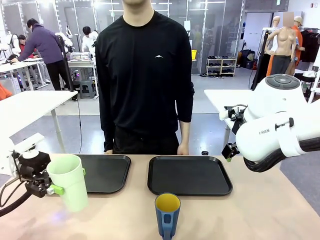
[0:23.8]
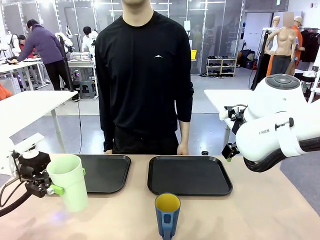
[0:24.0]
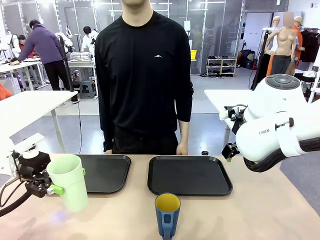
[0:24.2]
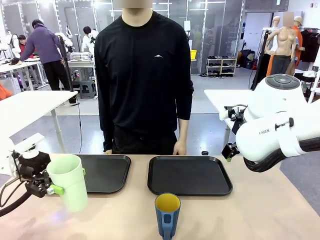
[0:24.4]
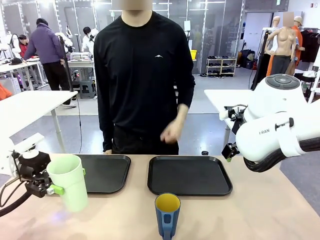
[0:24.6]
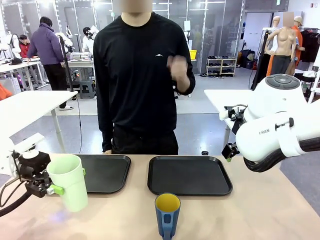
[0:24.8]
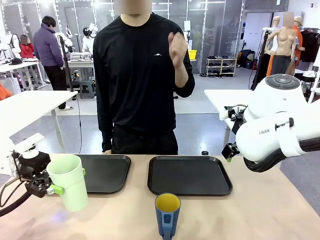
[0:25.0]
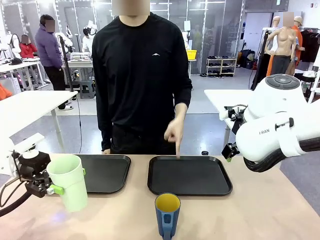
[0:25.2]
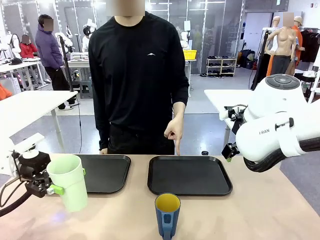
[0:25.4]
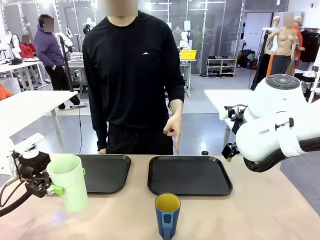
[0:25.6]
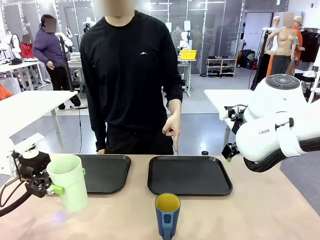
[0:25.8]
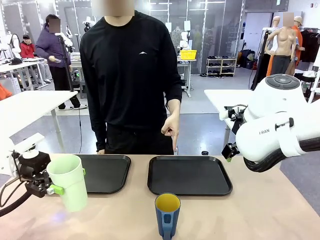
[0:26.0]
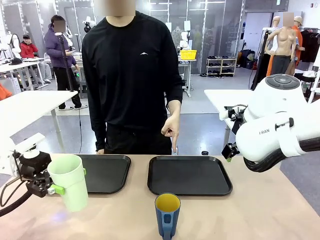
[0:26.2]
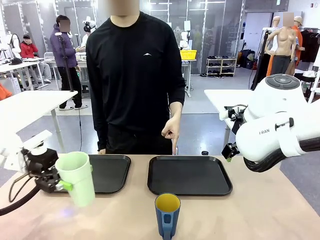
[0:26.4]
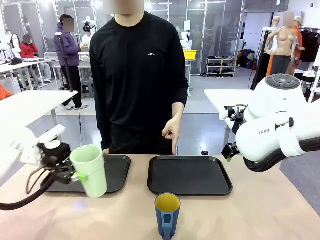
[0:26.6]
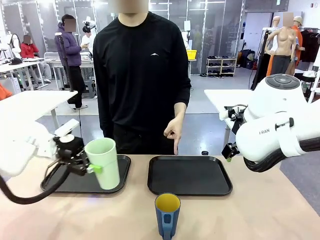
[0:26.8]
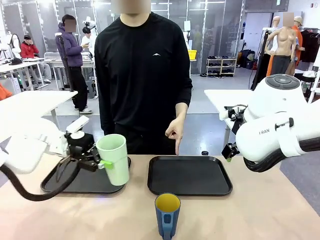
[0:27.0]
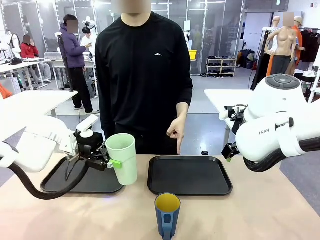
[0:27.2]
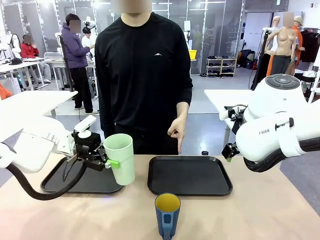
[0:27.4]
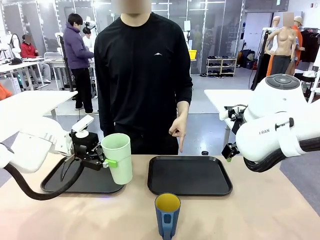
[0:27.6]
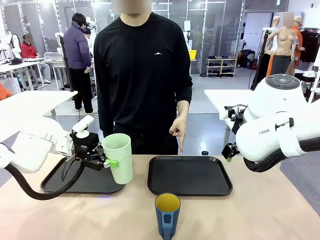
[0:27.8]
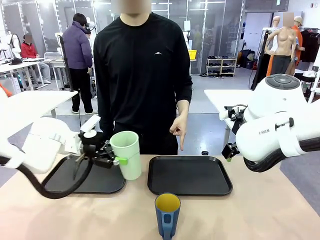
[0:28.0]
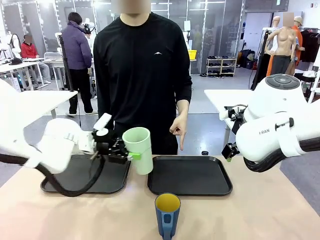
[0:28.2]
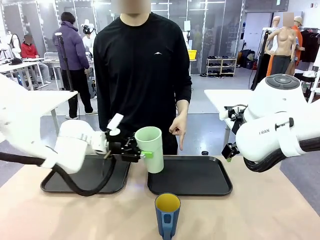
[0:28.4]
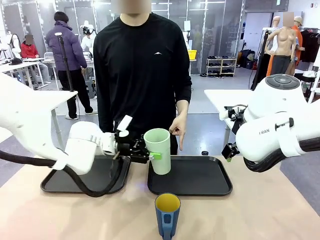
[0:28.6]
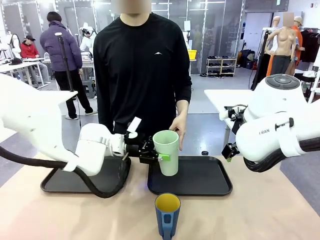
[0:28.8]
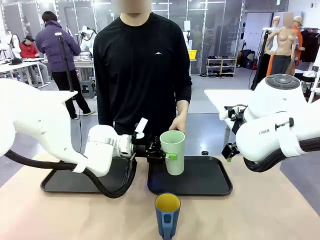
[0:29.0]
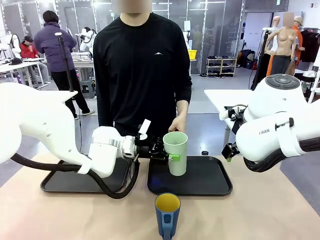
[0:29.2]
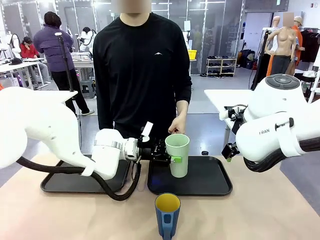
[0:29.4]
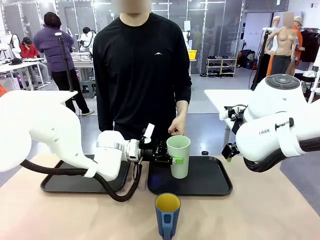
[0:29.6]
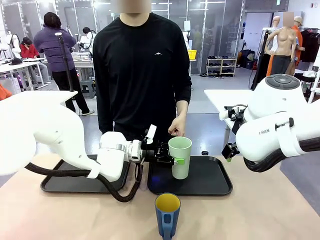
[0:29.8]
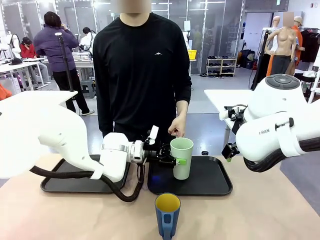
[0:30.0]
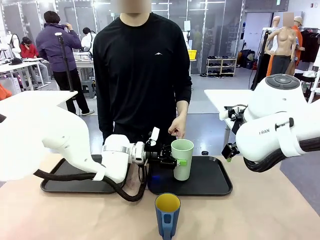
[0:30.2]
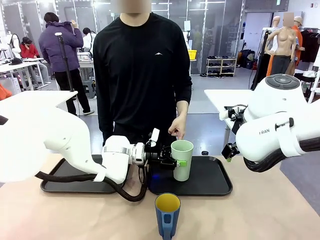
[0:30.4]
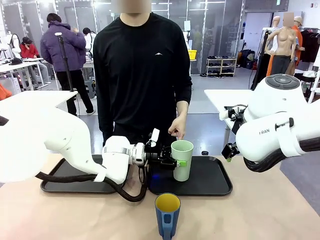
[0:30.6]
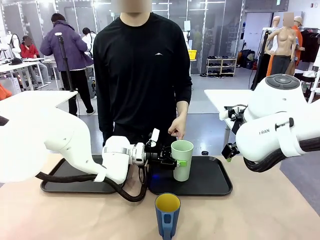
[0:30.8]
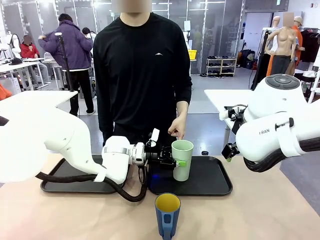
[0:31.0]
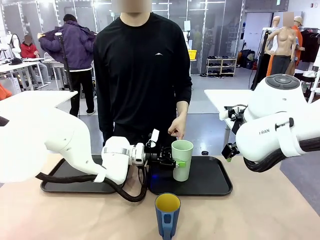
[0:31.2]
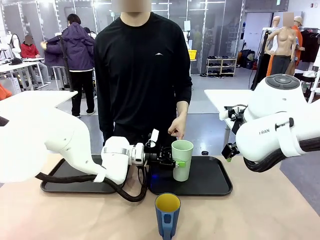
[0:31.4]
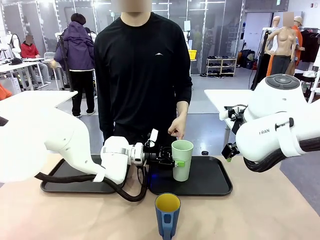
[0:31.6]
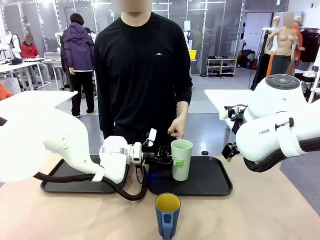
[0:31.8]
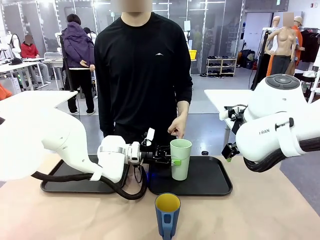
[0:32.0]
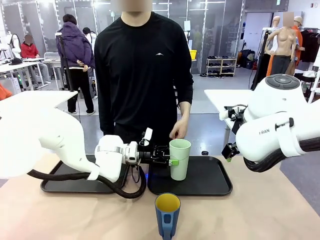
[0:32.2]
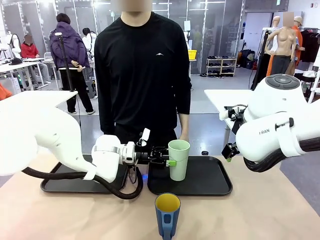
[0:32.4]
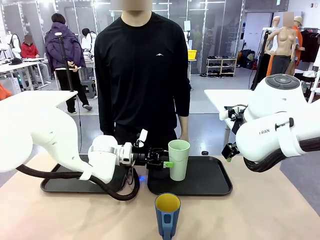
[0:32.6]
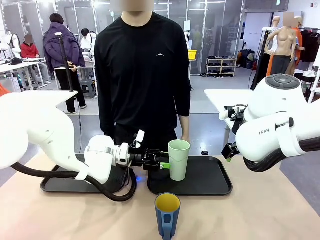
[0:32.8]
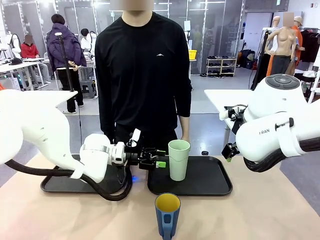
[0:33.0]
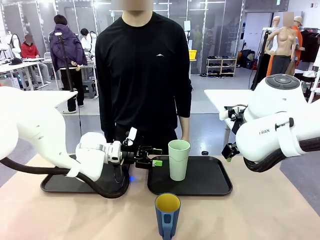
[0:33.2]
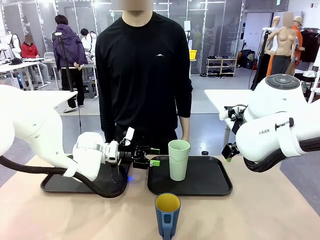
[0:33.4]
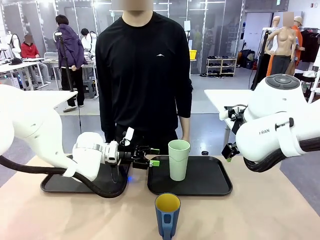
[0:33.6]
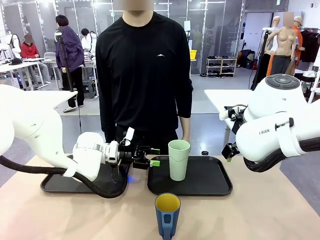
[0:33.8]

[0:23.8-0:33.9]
Task: Sort and store the cups by type.
Robot: Place the picked Reusable plastic cup into the Flat Tray indicated by the person.

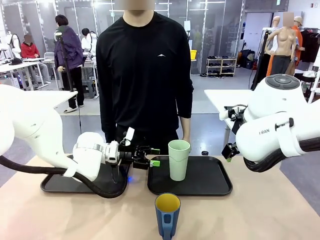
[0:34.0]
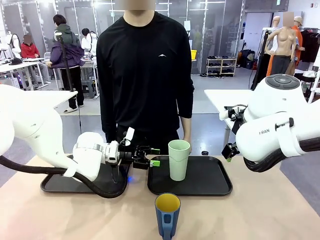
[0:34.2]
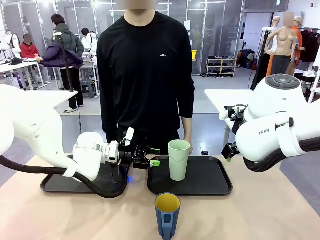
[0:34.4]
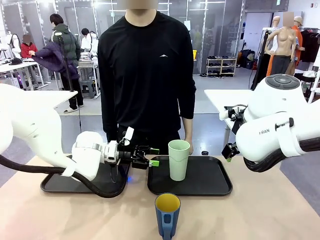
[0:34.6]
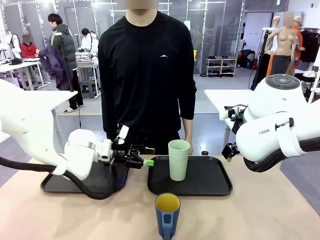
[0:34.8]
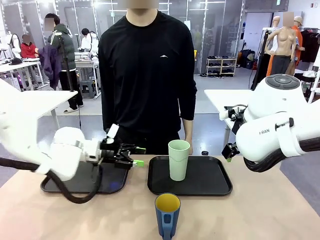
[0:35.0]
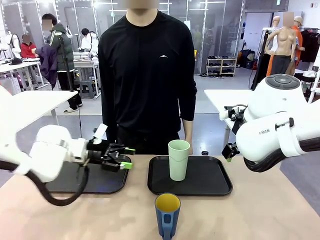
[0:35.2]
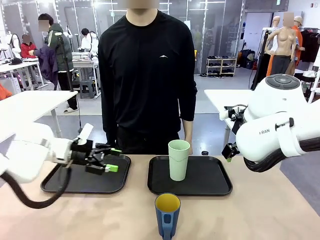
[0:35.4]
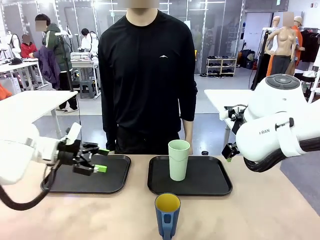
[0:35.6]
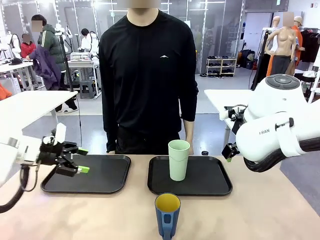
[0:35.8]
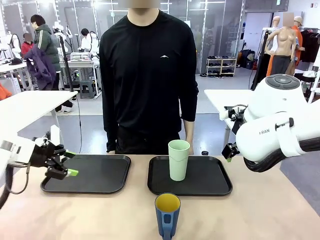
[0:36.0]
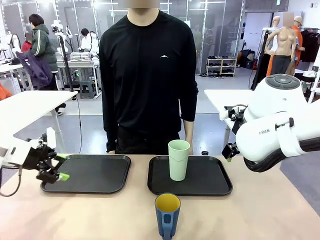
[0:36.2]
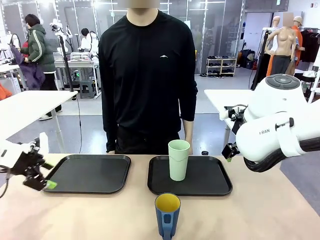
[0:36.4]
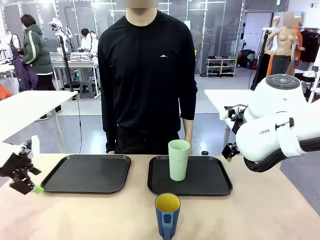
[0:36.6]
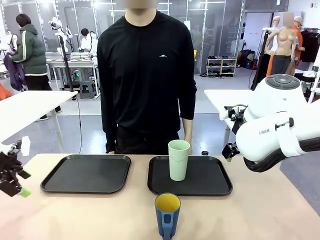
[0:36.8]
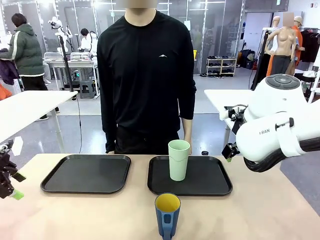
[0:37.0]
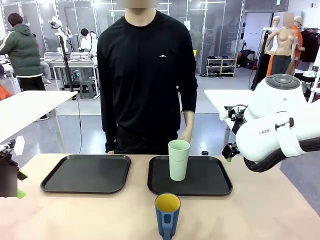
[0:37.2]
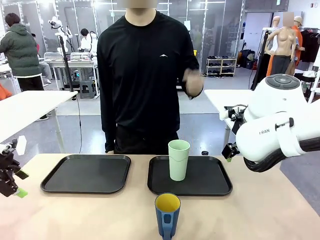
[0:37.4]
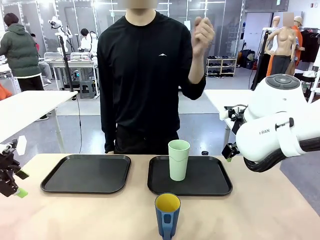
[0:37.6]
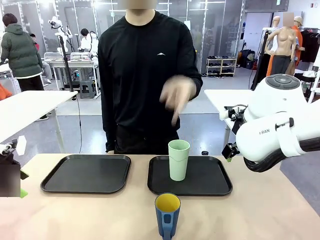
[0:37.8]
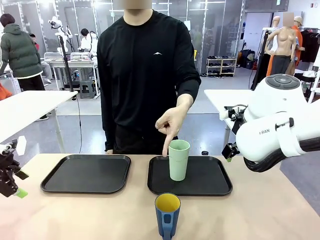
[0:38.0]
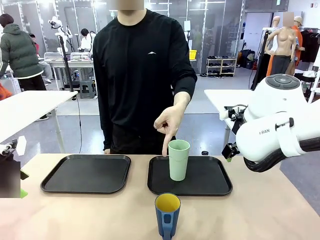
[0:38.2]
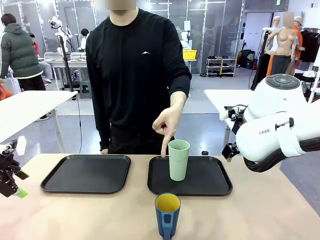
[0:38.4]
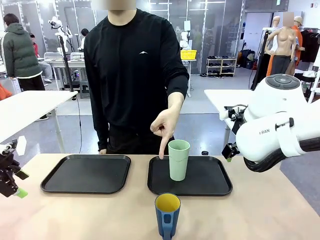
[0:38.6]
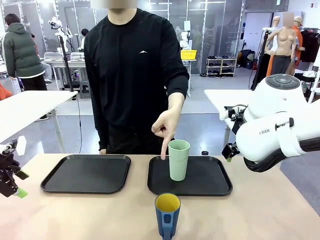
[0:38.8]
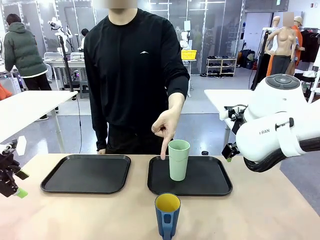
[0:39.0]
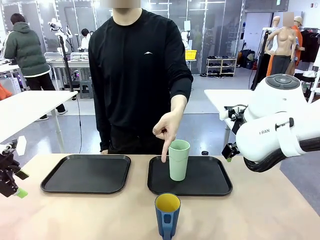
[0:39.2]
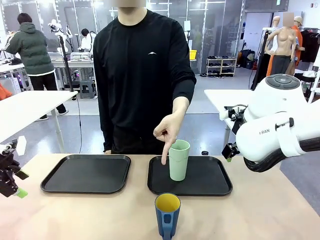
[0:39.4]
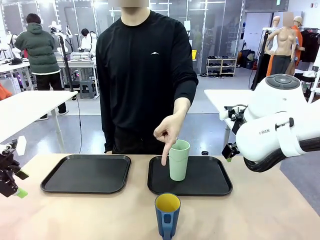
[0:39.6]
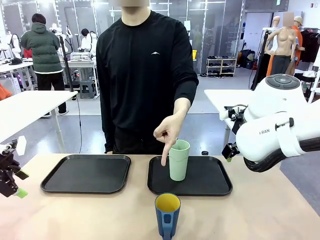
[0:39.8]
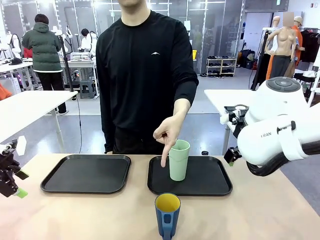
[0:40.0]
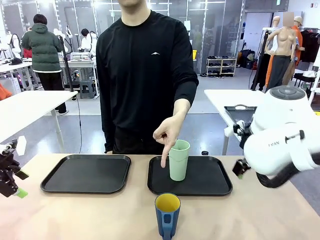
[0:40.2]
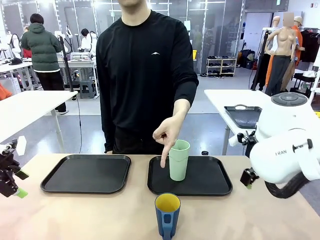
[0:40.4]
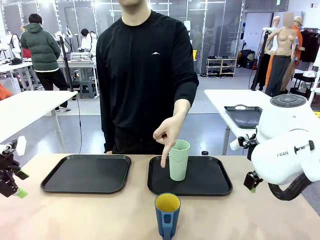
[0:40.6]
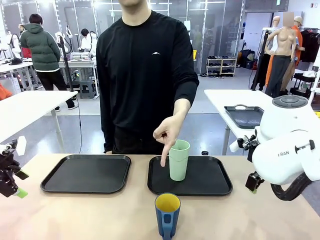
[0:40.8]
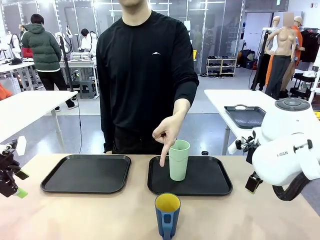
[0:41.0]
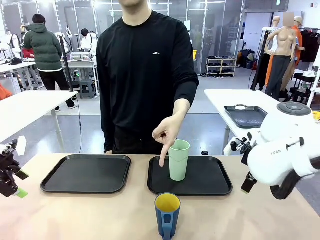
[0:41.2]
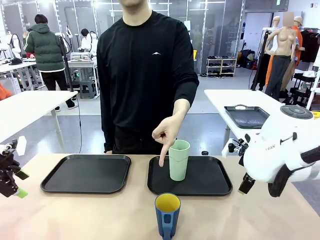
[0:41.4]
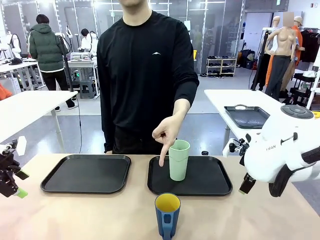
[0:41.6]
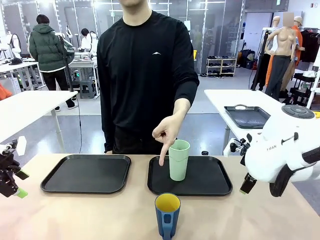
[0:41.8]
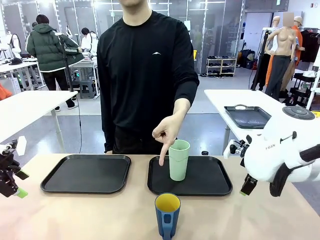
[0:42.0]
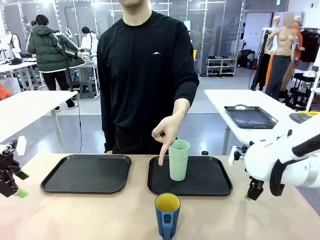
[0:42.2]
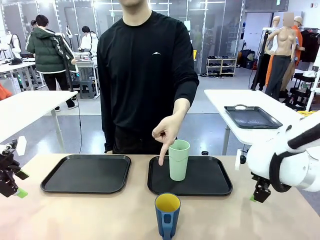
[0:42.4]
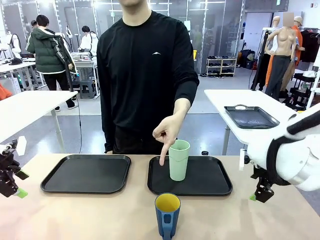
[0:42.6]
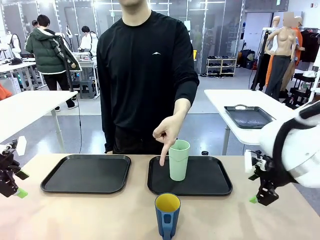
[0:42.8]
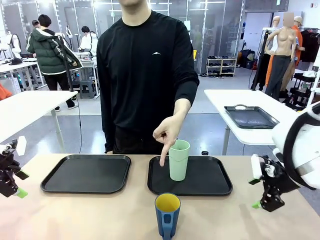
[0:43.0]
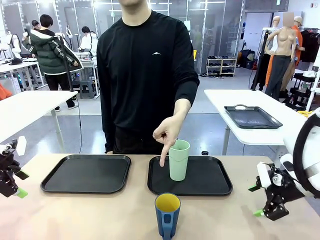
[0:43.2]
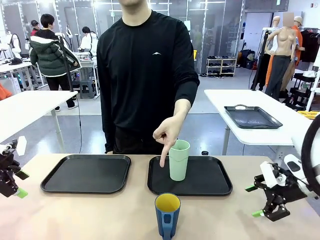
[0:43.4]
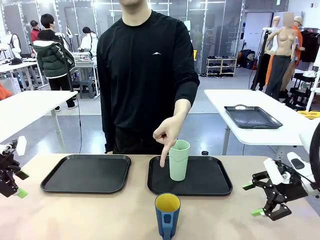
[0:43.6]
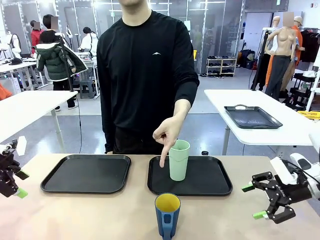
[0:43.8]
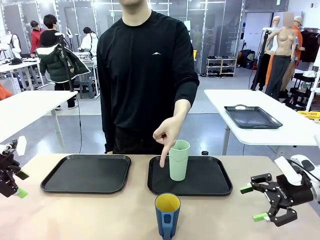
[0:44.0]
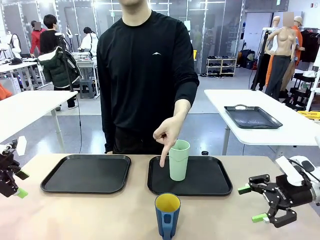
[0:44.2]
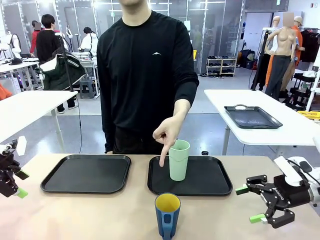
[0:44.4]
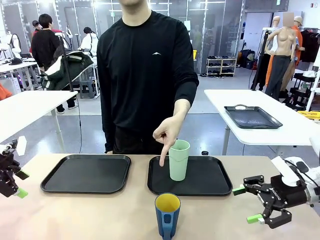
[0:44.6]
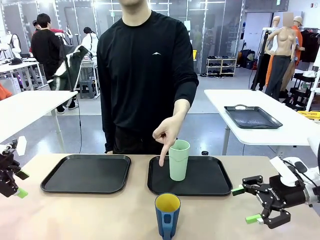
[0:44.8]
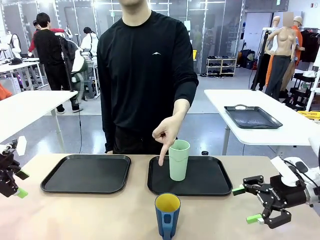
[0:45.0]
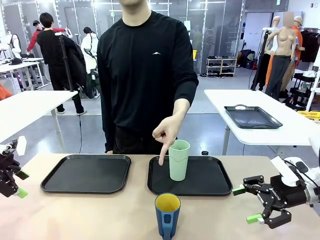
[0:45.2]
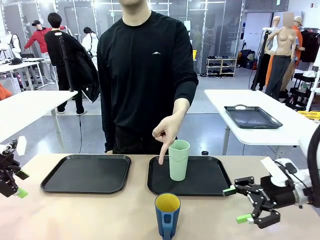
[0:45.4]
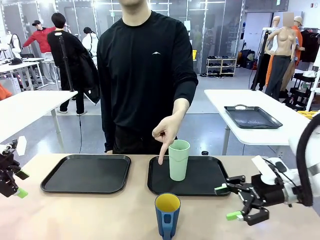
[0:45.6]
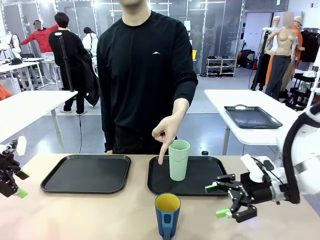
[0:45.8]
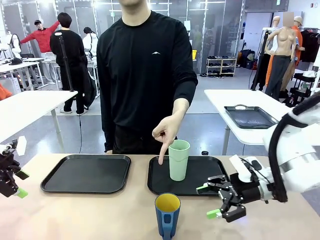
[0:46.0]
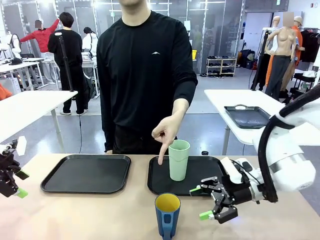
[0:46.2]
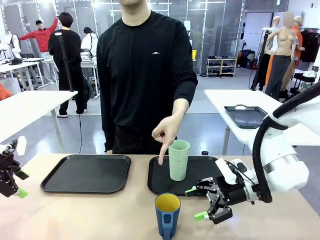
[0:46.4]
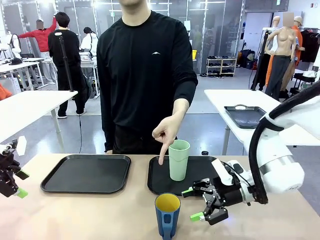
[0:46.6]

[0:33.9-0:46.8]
Robot: Pick up the Handle plastic cup and place it into the empty Flat Tray.
